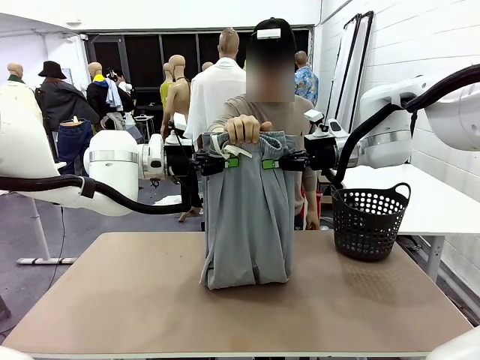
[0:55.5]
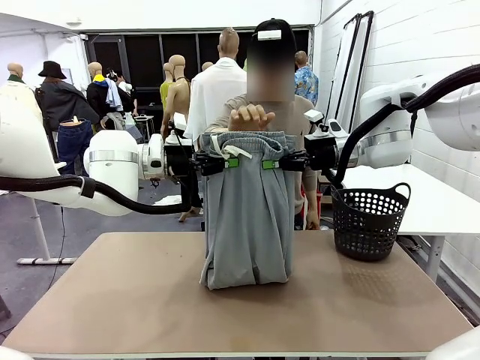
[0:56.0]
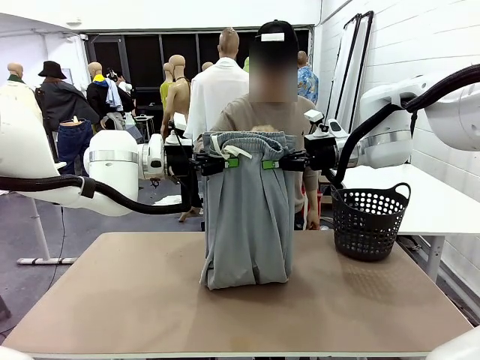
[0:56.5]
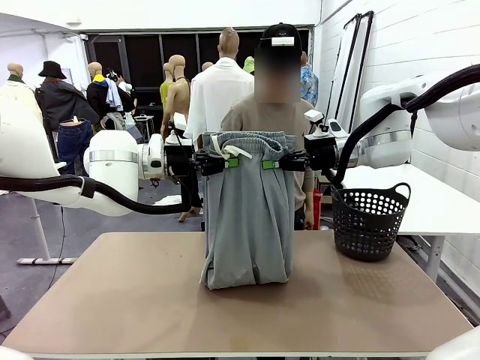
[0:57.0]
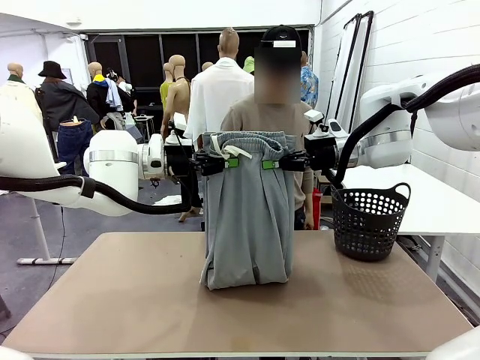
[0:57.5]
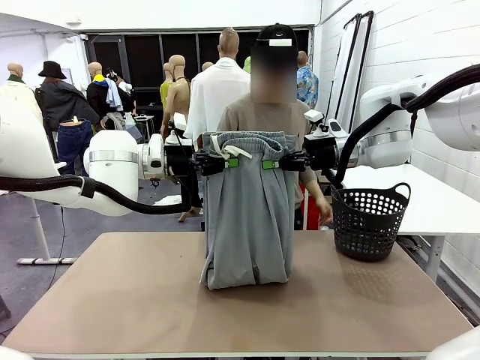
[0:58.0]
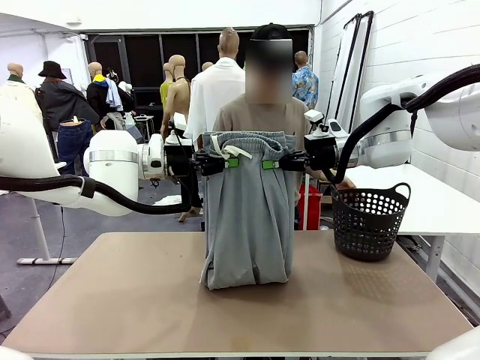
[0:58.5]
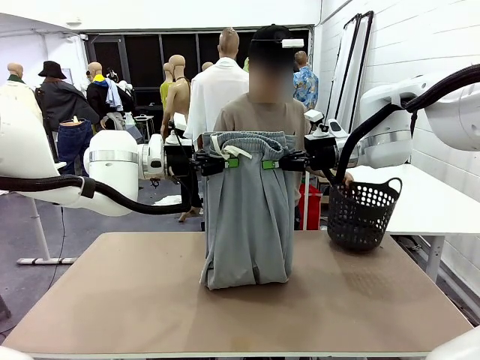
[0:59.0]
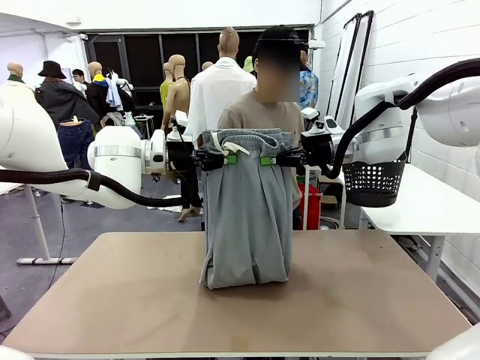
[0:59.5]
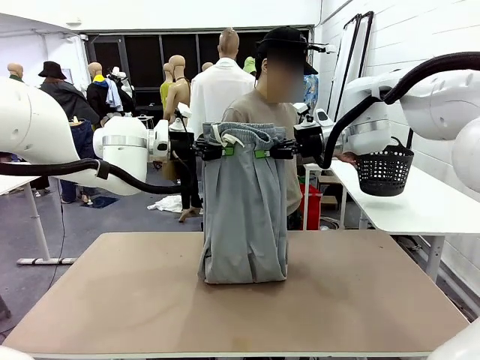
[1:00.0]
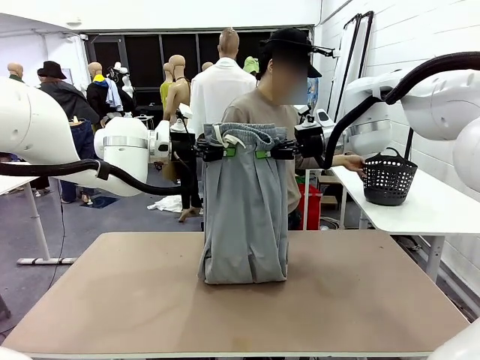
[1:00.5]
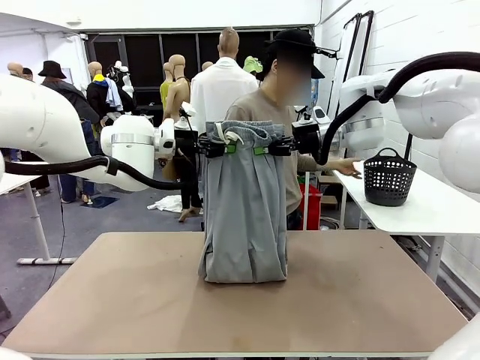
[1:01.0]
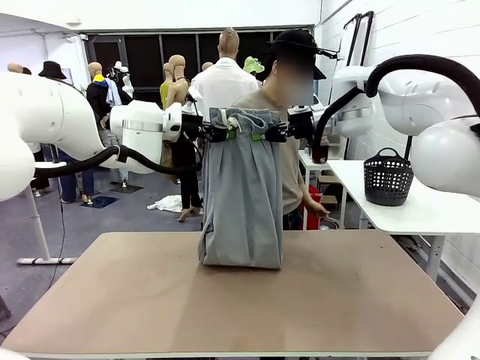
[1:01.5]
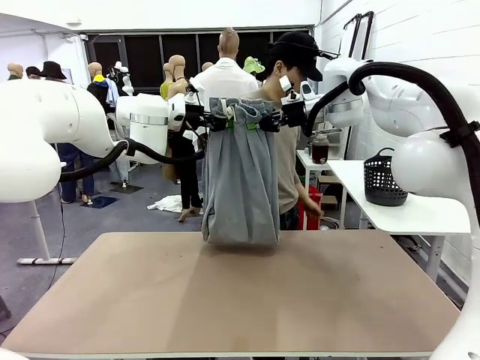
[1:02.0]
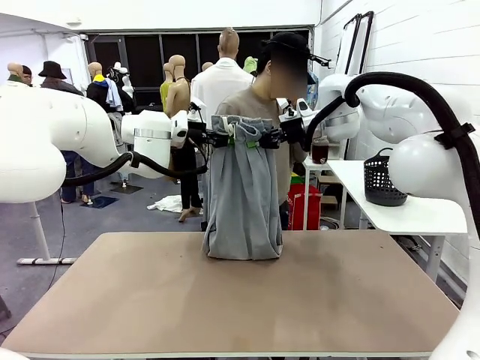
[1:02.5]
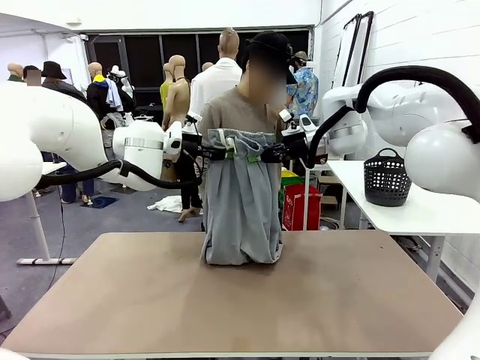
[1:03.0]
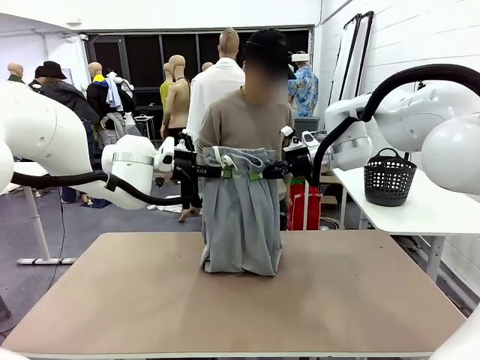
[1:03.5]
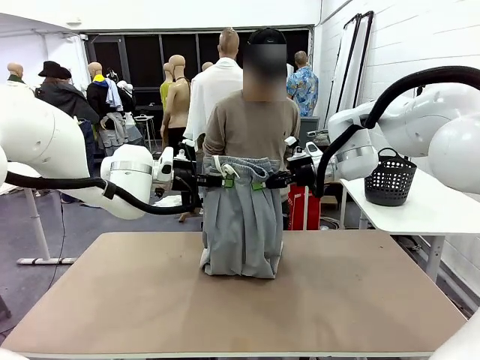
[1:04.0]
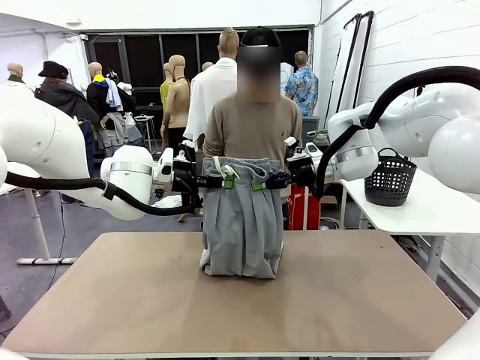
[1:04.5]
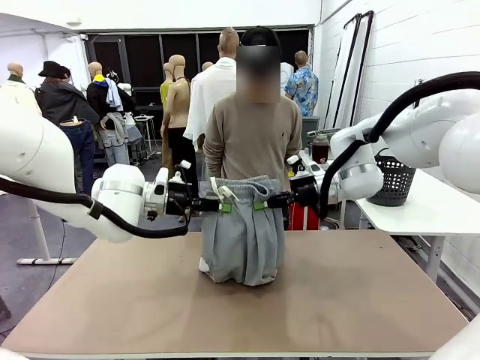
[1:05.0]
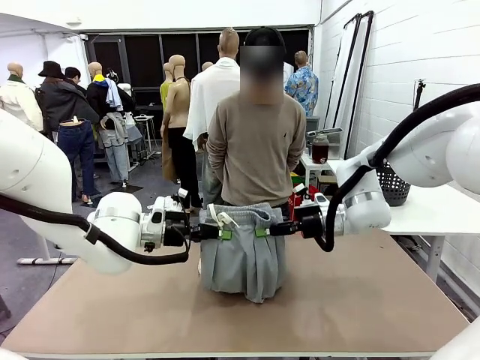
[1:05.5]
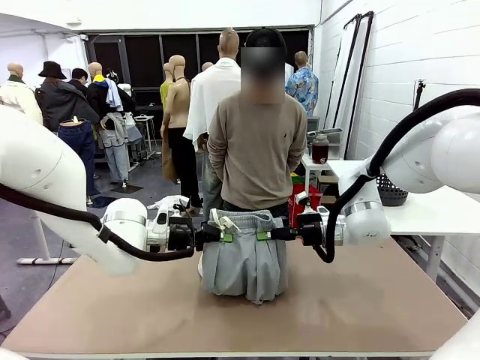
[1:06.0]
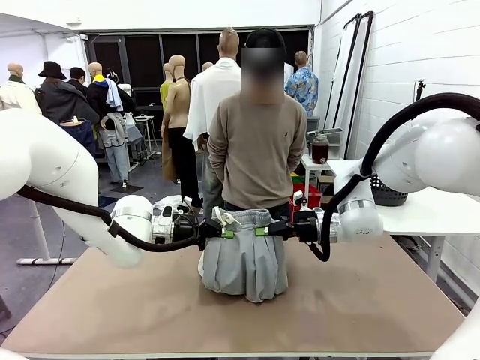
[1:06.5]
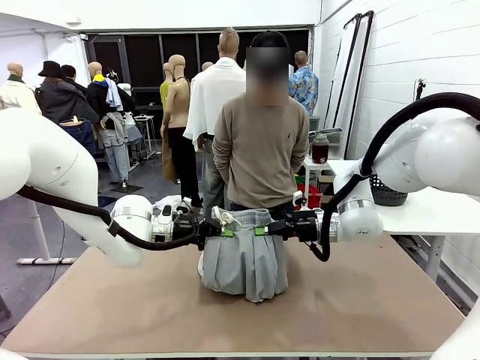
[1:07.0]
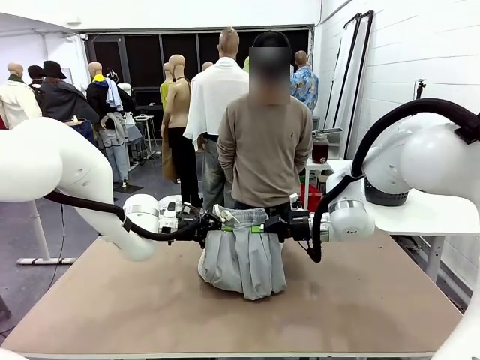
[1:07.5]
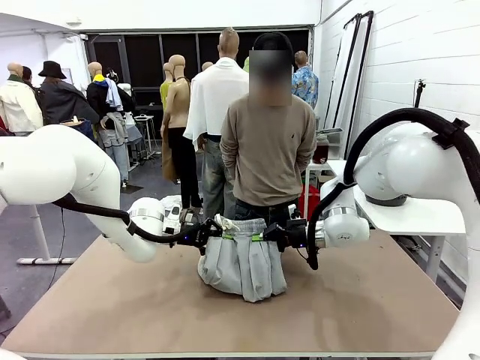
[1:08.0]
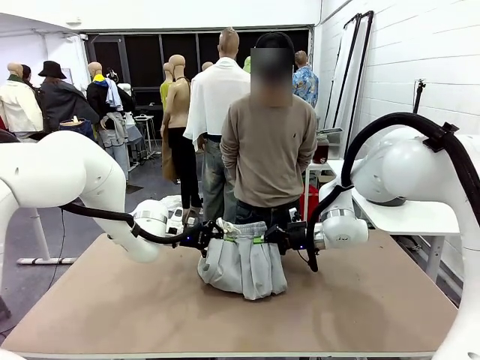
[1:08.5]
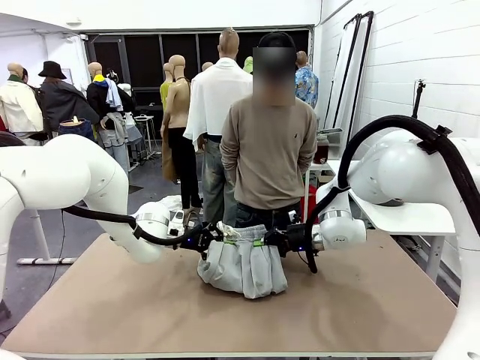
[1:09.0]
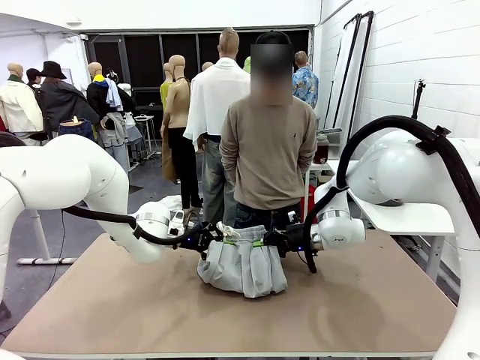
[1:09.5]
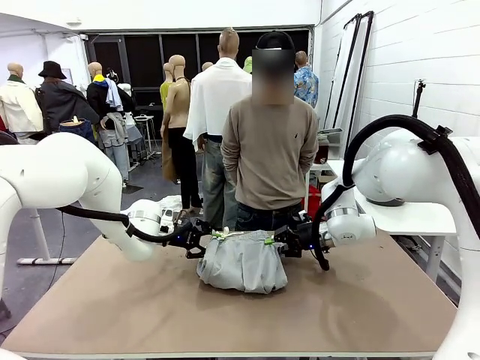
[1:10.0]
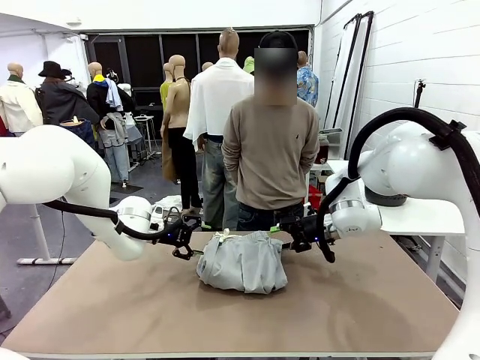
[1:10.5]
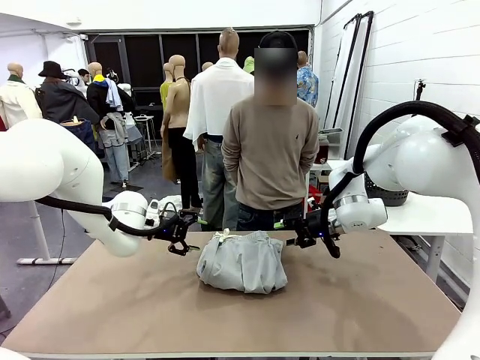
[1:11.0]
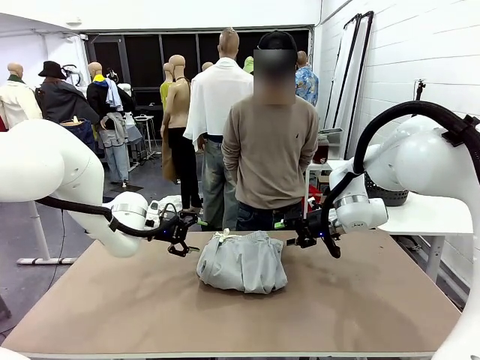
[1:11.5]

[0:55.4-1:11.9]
Task: Fold the training pants.
Robot: Fold the Training pants in half.
Person: Move the laundry basket to the right of the human table.
